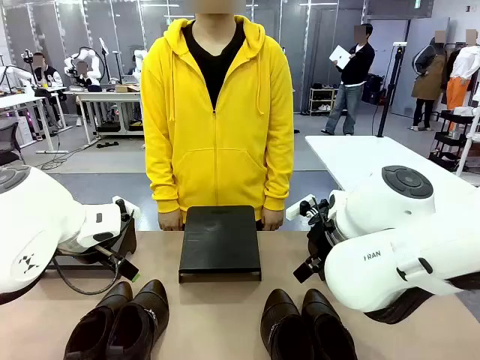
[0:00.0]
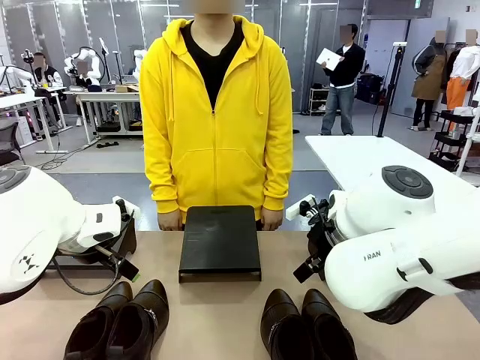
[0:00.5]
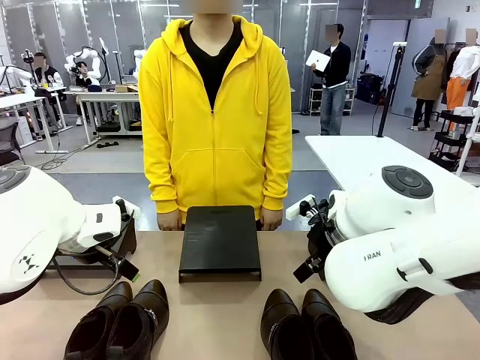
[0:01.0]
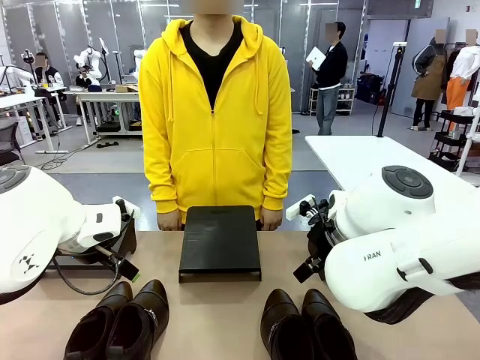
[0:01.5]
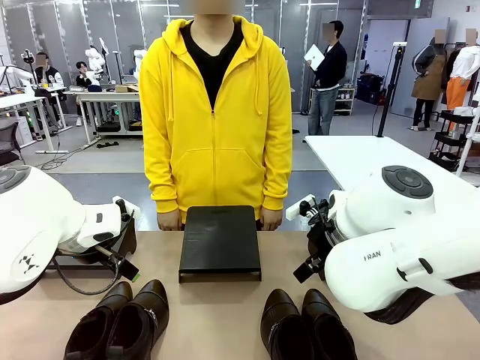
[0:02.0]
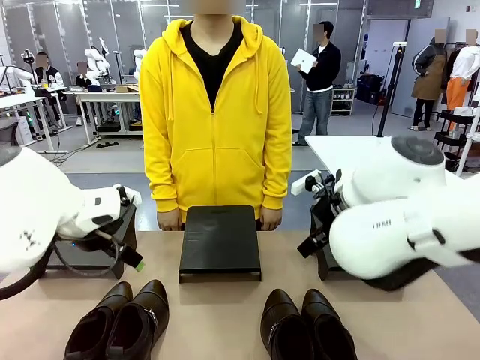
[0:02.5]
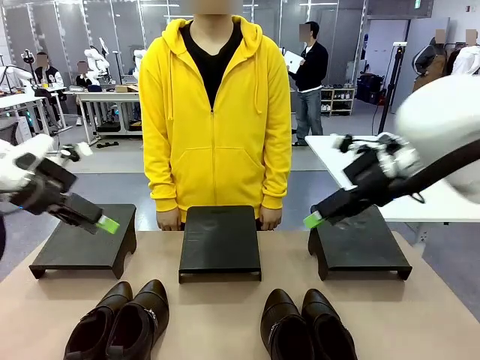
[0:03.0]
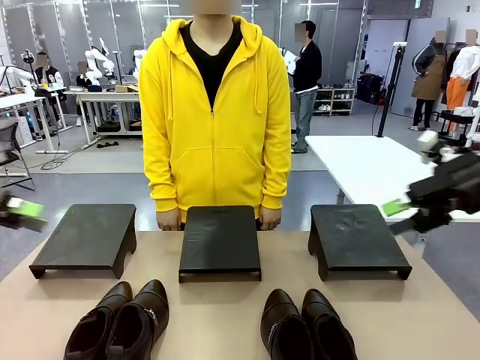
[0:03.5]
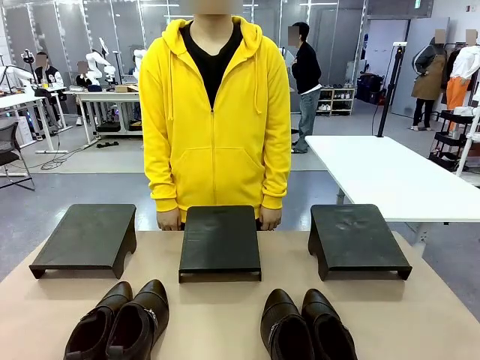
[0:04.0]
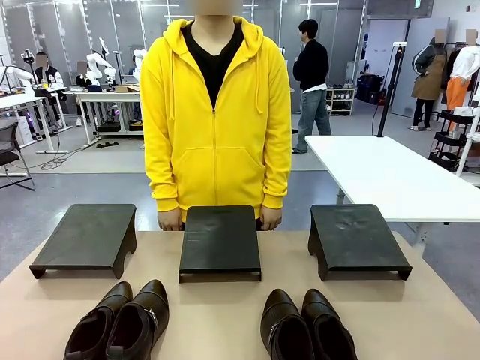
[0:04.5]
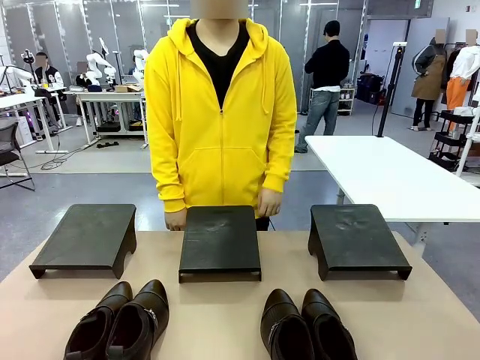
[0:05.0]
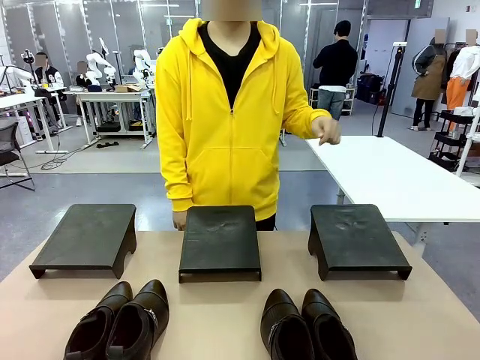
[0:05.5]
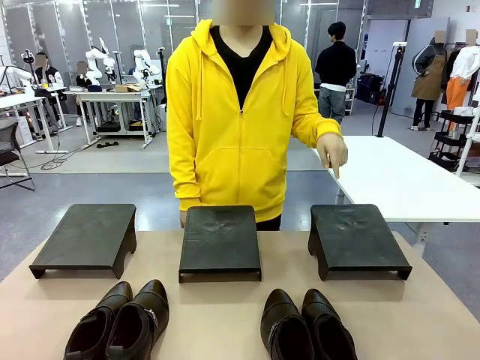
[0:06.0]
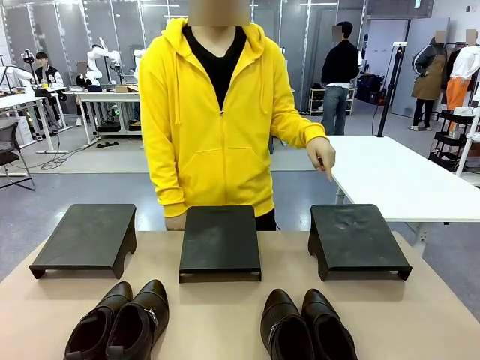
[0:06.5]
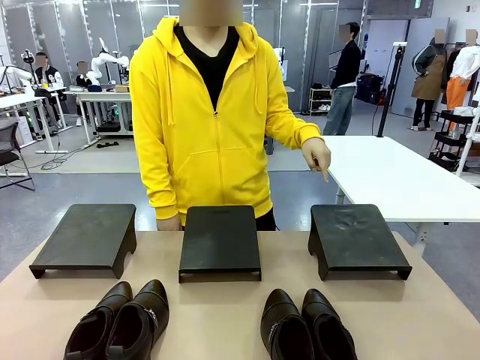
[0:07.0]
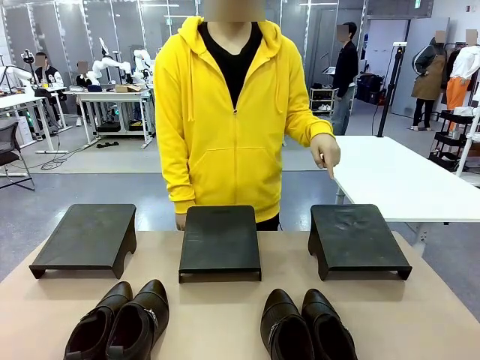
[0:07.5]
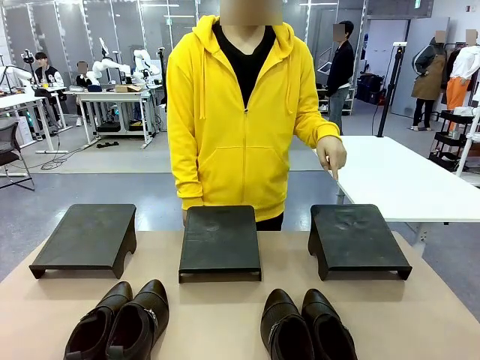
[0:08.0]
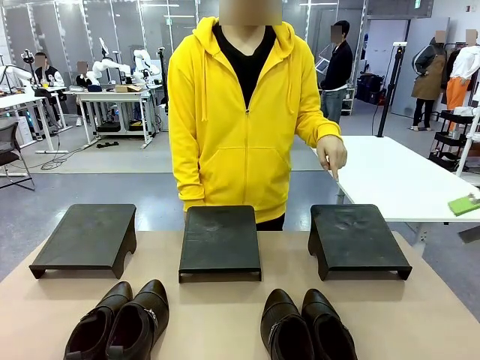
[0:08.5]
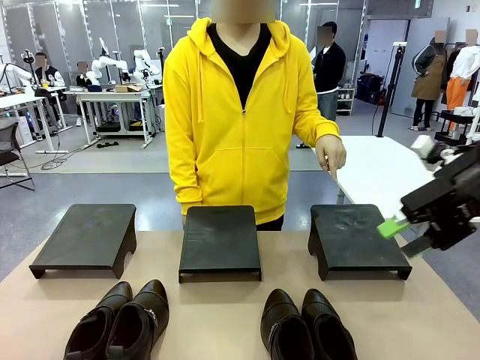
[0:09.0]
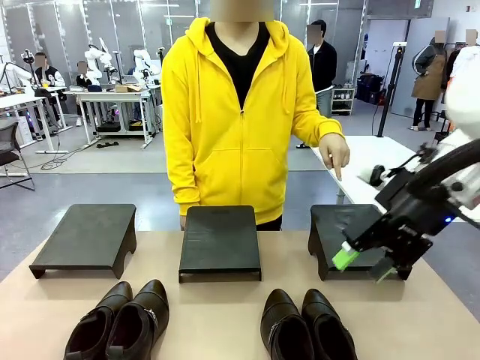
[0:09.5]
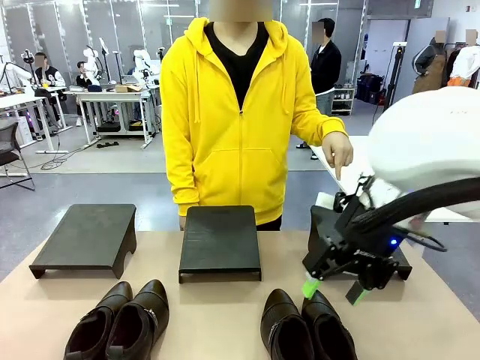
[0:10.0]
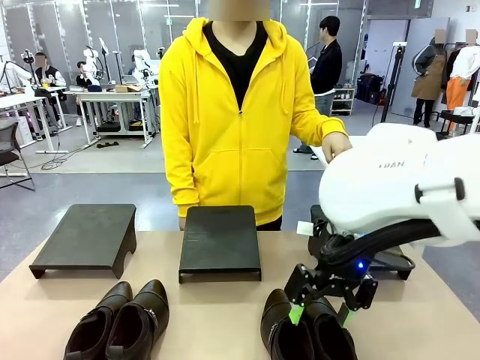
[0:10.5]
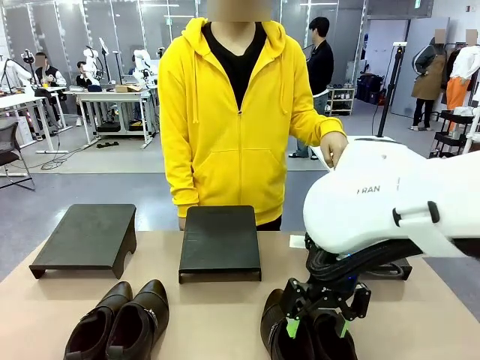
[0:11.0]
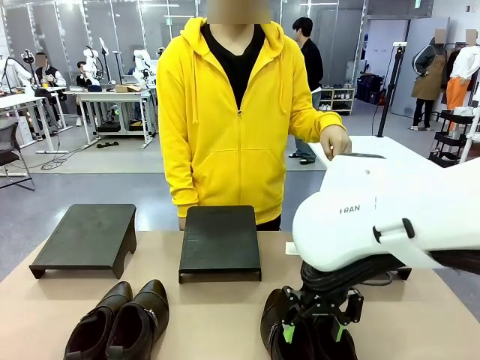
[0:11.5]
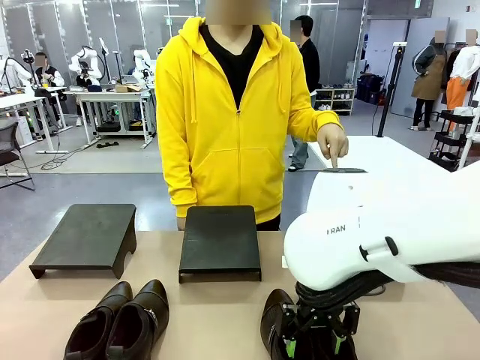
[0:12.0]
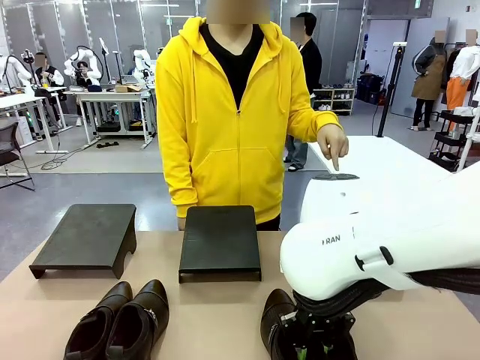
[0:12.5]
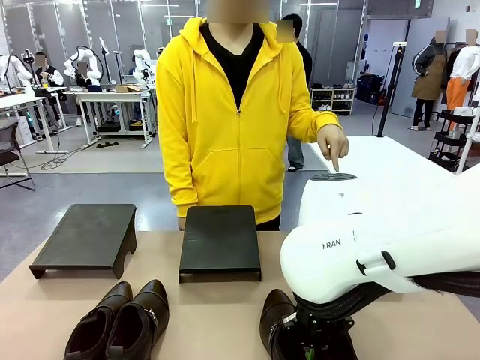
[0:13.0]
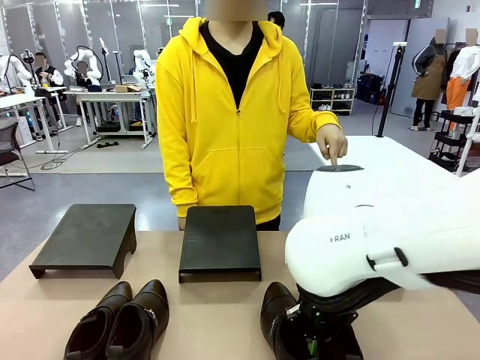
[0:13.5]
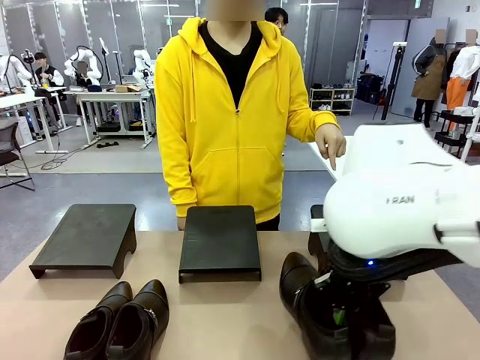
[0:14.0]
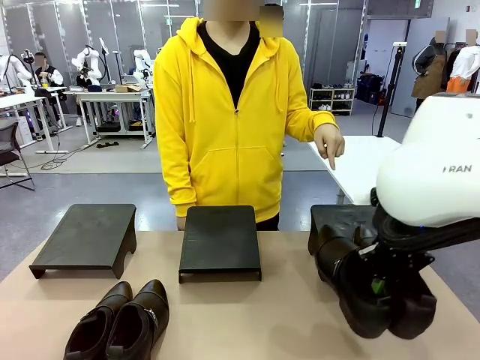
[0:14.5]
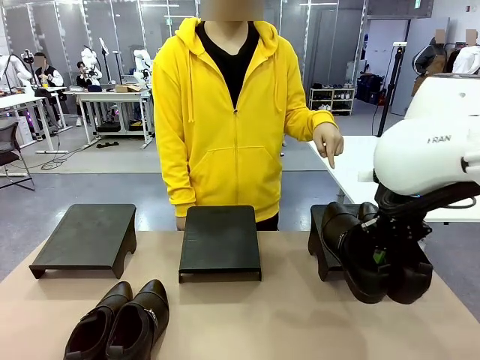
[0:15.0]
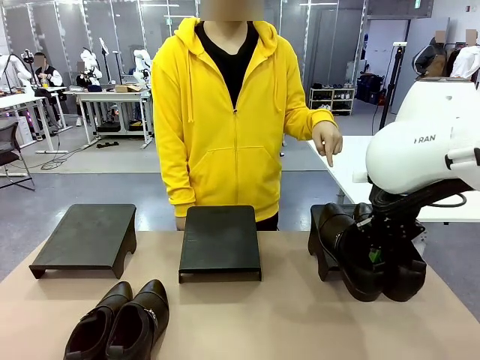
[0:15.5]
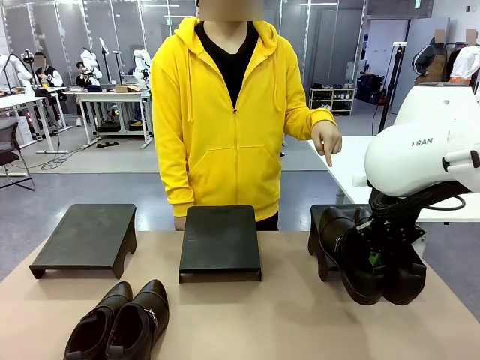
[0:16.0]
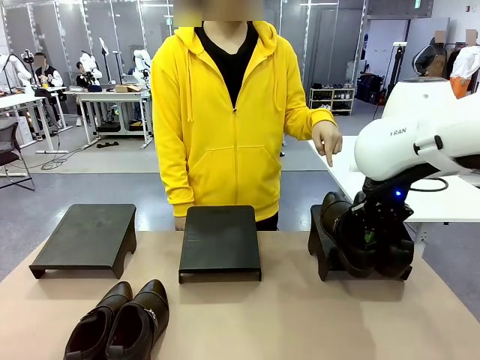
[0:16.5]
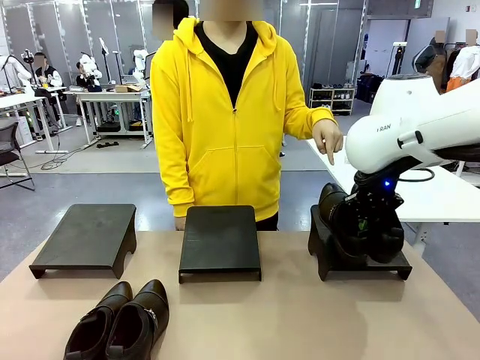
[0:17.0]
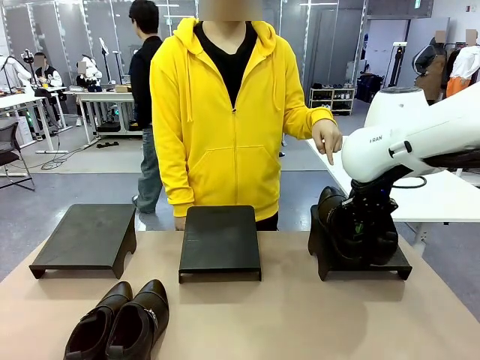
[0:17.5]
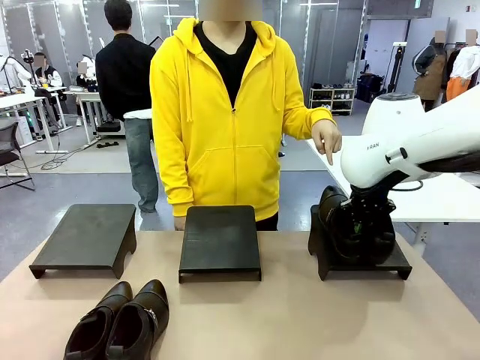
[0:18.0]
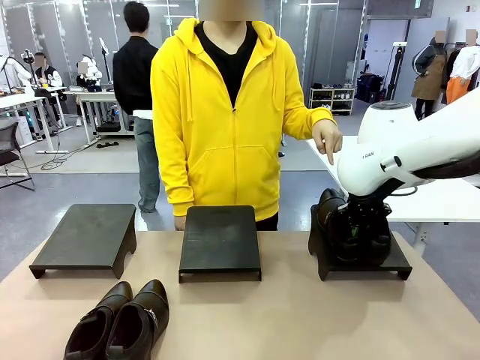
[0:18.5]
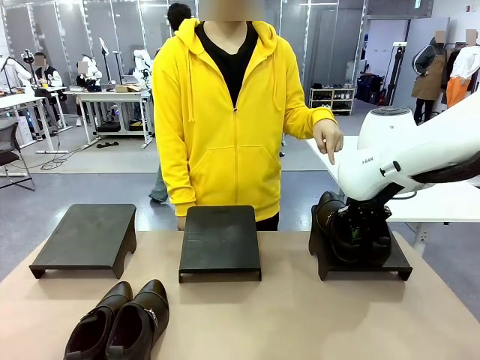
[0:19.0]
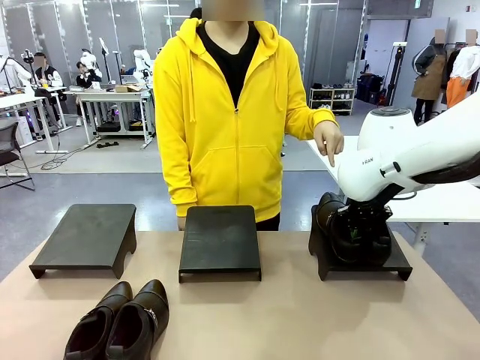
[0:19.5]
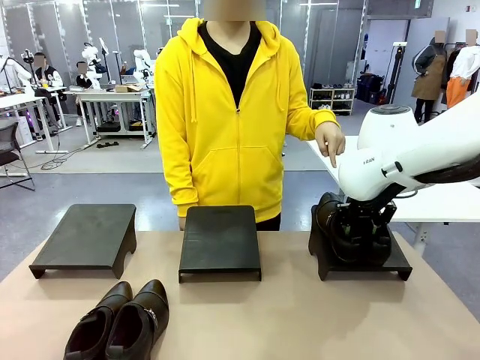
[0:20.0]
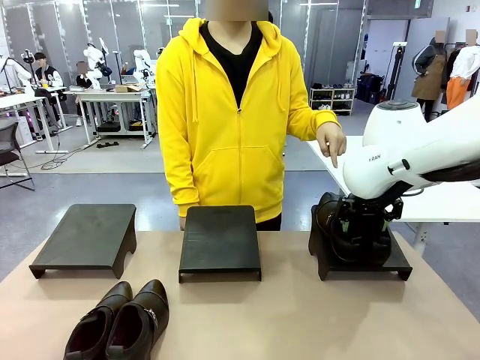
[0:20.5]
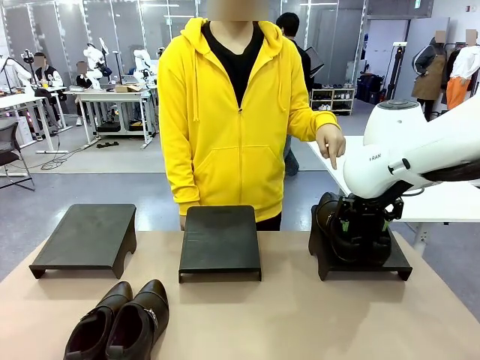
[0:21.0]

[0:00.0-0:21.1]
Task: Place the shoes on the stand as instructed by the person.
Robot: Pick up one pair of Shoes and place it on the Shoes Stand indicated by the person.
